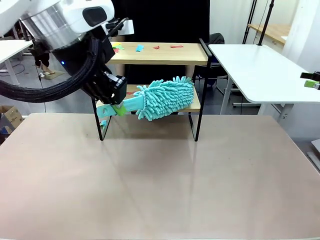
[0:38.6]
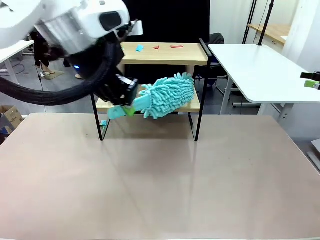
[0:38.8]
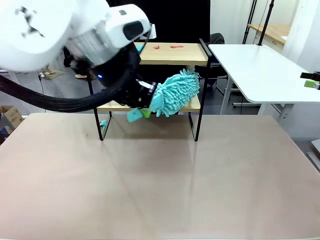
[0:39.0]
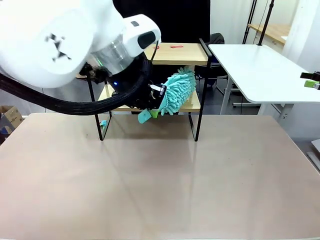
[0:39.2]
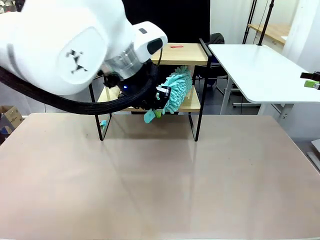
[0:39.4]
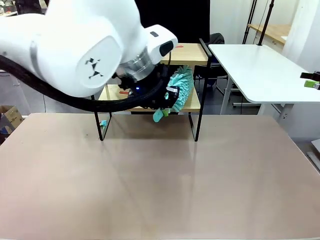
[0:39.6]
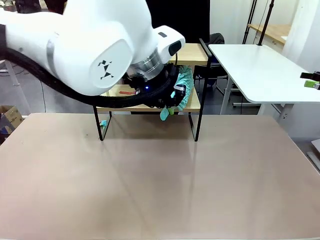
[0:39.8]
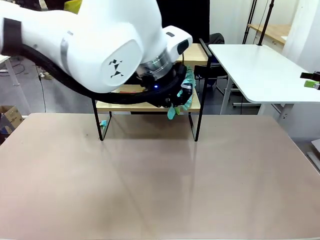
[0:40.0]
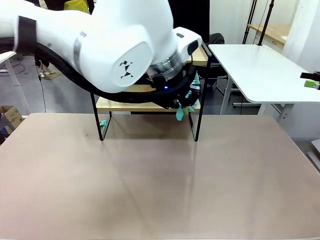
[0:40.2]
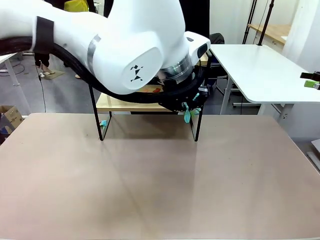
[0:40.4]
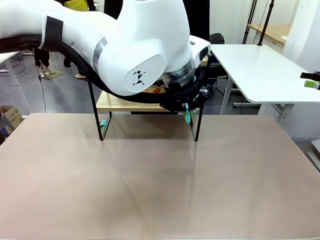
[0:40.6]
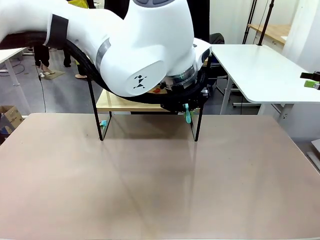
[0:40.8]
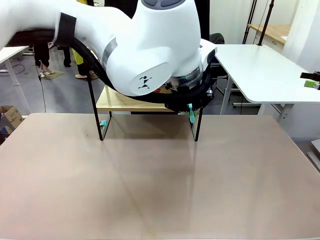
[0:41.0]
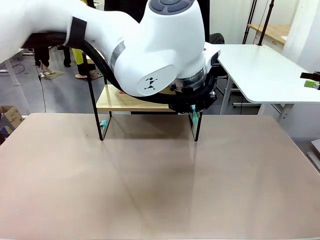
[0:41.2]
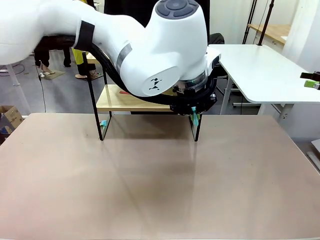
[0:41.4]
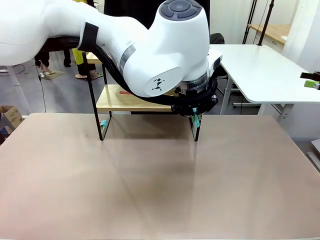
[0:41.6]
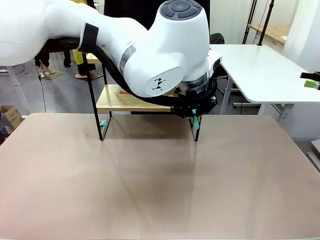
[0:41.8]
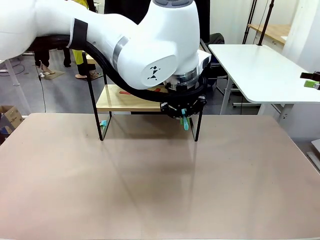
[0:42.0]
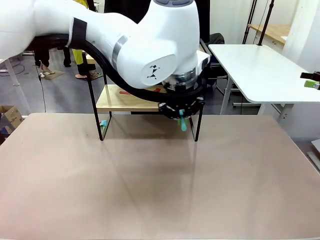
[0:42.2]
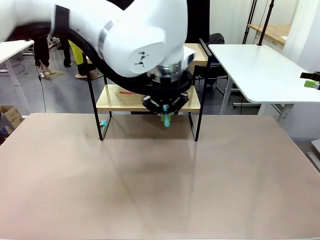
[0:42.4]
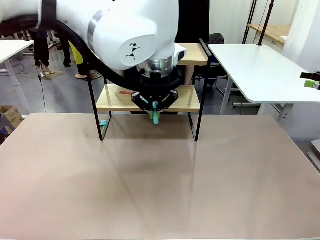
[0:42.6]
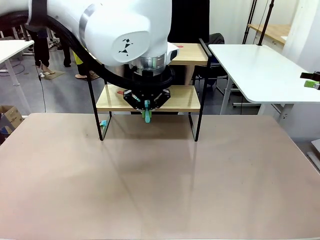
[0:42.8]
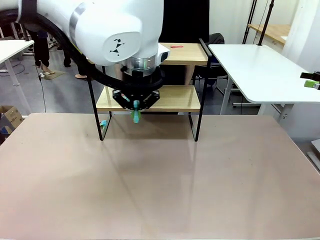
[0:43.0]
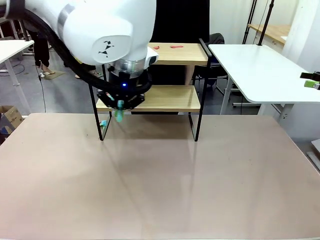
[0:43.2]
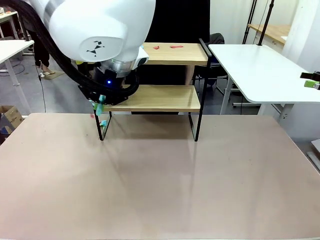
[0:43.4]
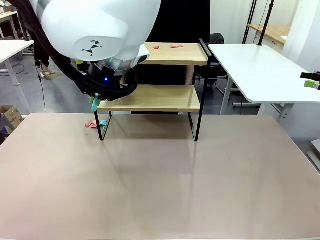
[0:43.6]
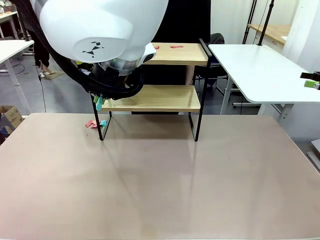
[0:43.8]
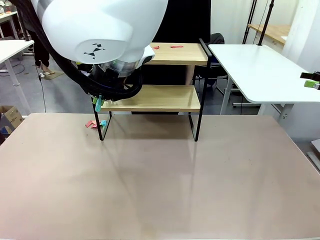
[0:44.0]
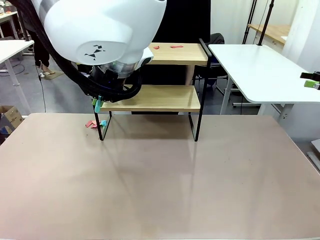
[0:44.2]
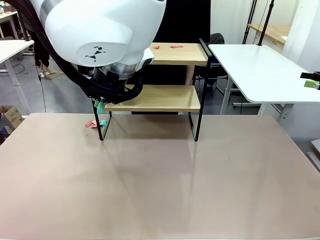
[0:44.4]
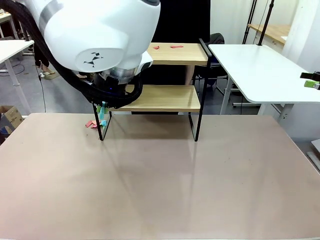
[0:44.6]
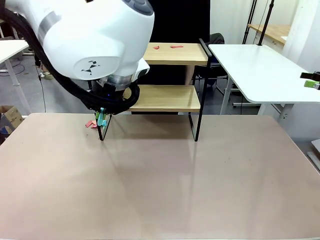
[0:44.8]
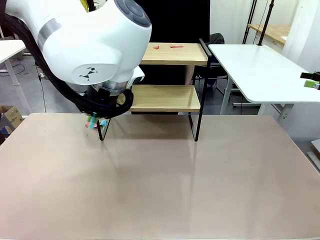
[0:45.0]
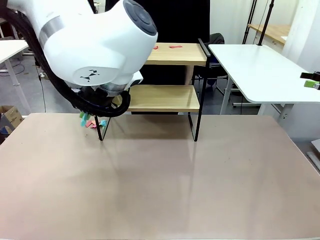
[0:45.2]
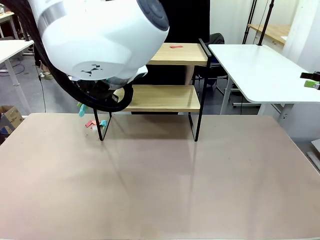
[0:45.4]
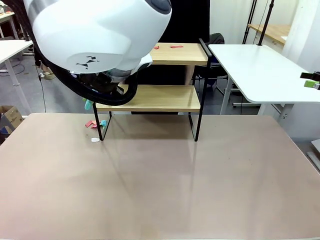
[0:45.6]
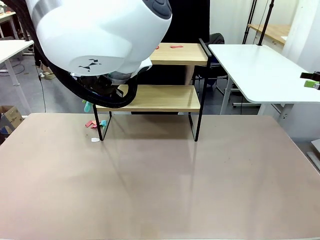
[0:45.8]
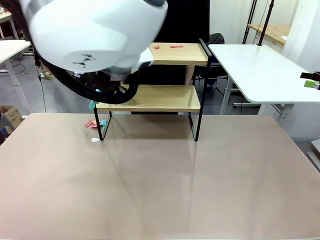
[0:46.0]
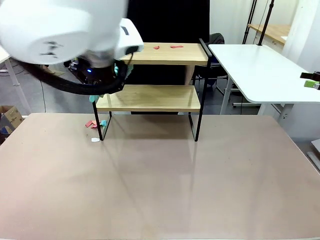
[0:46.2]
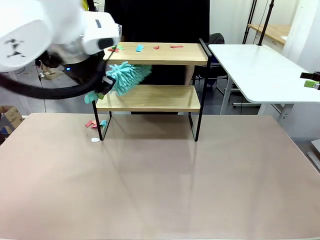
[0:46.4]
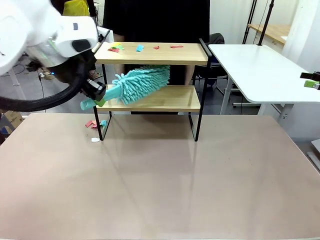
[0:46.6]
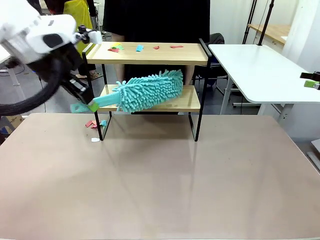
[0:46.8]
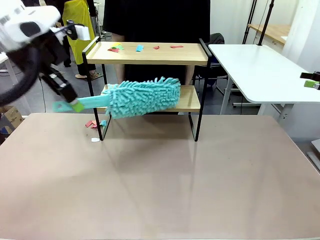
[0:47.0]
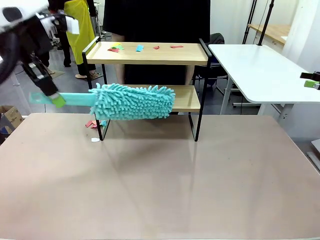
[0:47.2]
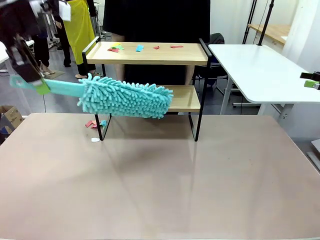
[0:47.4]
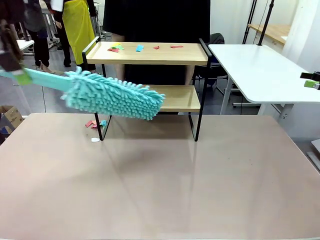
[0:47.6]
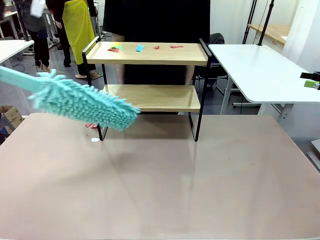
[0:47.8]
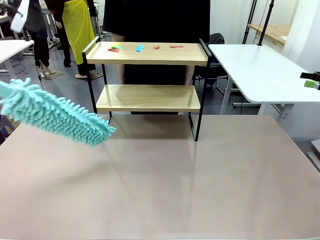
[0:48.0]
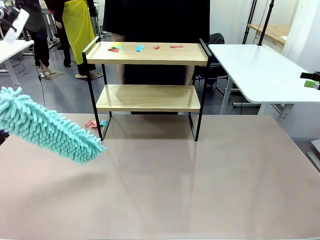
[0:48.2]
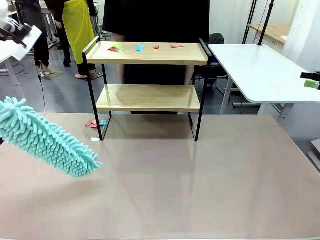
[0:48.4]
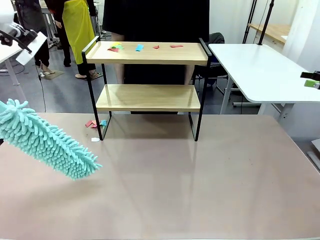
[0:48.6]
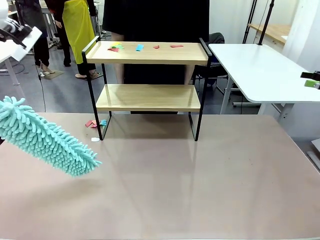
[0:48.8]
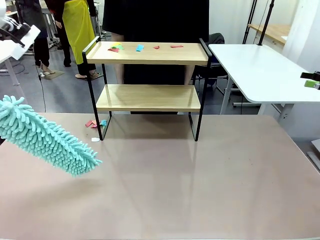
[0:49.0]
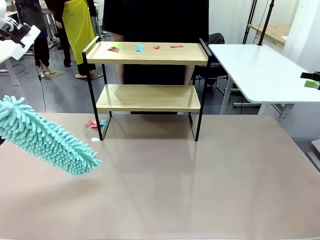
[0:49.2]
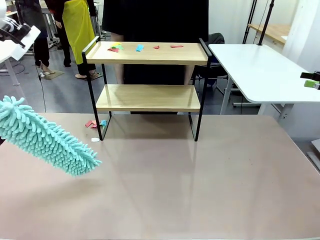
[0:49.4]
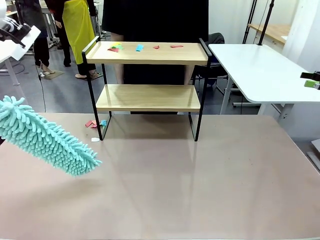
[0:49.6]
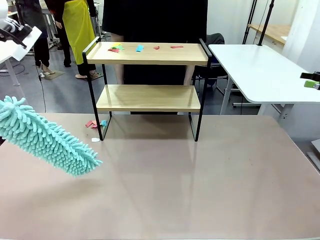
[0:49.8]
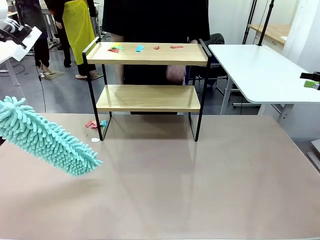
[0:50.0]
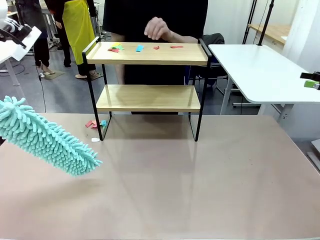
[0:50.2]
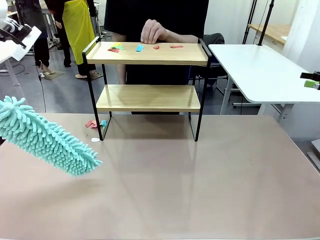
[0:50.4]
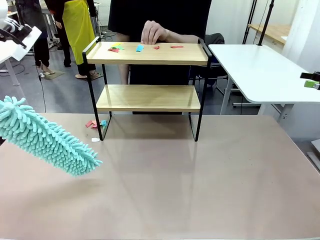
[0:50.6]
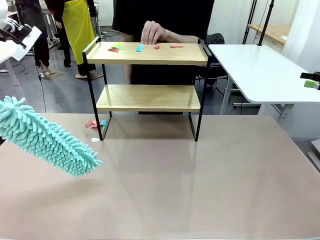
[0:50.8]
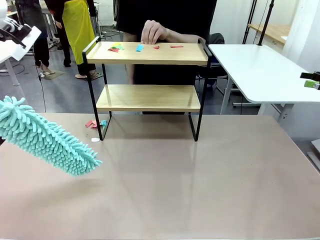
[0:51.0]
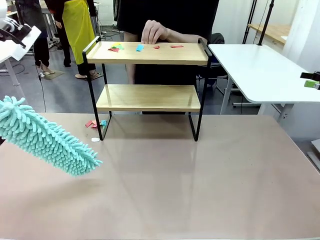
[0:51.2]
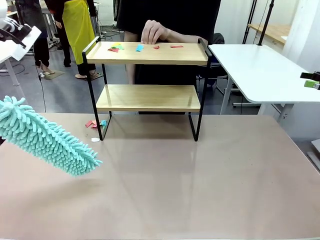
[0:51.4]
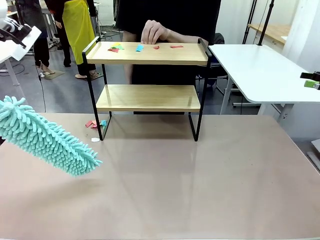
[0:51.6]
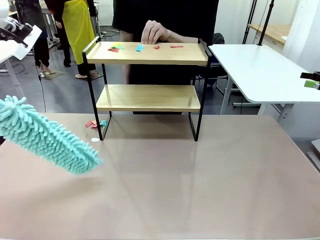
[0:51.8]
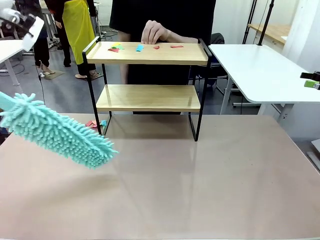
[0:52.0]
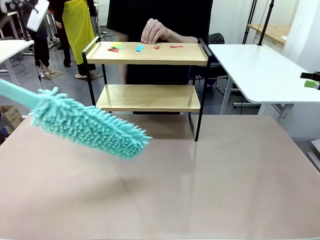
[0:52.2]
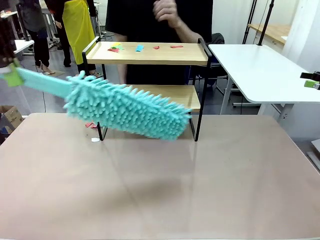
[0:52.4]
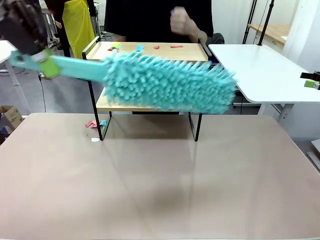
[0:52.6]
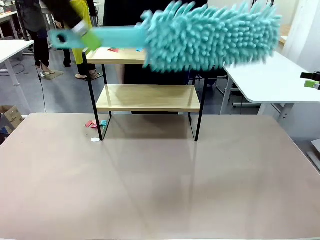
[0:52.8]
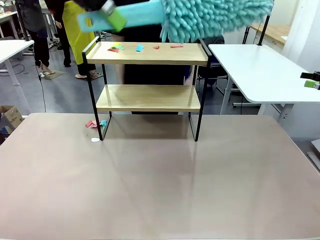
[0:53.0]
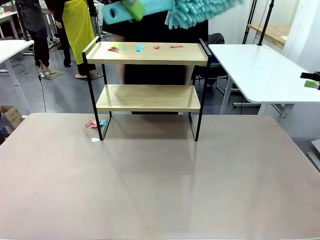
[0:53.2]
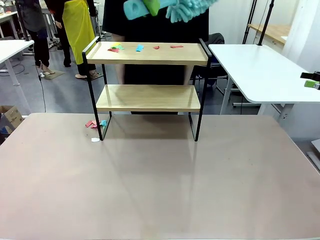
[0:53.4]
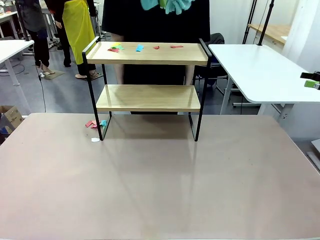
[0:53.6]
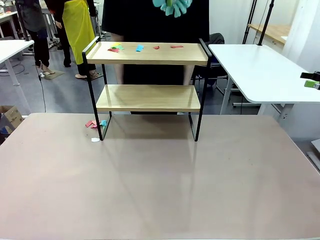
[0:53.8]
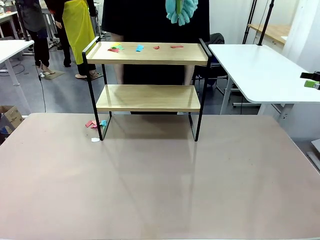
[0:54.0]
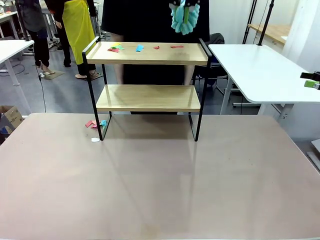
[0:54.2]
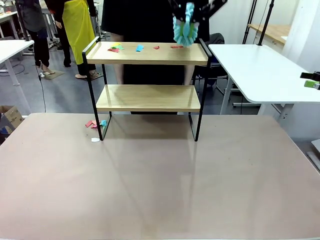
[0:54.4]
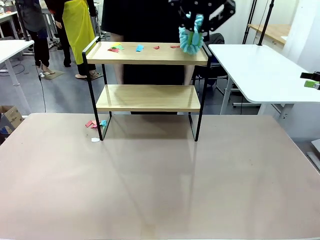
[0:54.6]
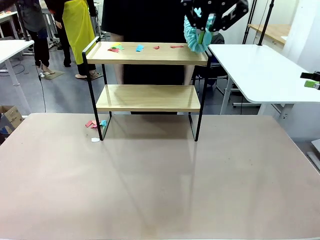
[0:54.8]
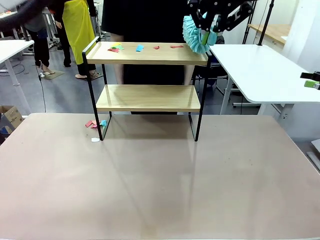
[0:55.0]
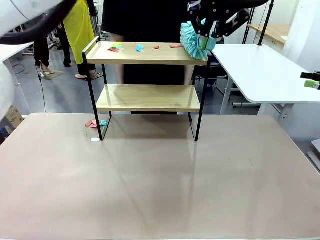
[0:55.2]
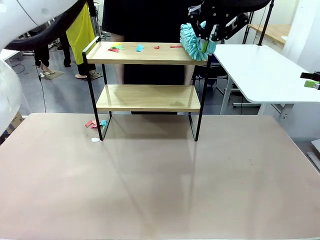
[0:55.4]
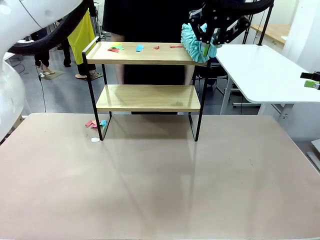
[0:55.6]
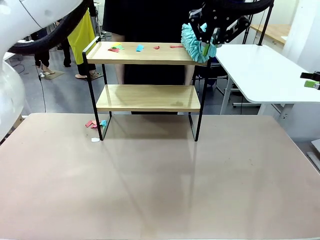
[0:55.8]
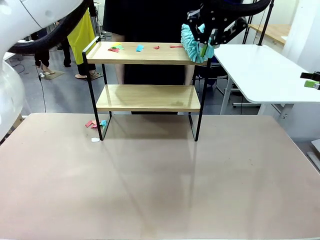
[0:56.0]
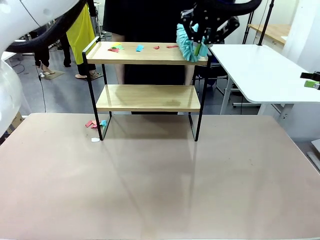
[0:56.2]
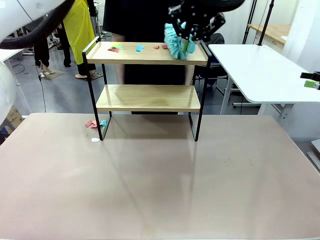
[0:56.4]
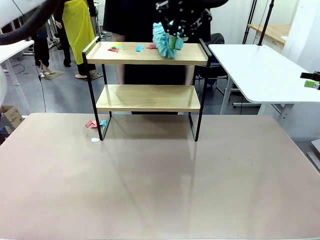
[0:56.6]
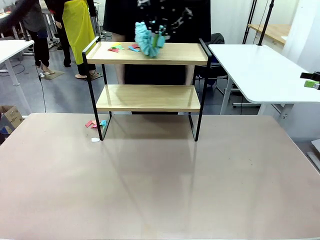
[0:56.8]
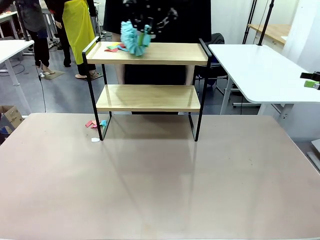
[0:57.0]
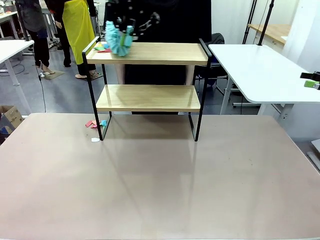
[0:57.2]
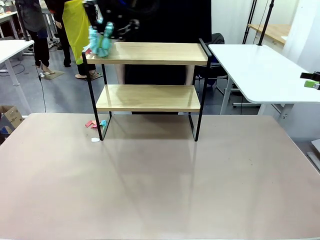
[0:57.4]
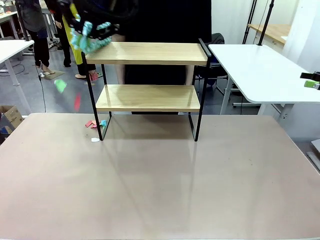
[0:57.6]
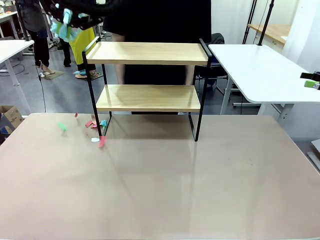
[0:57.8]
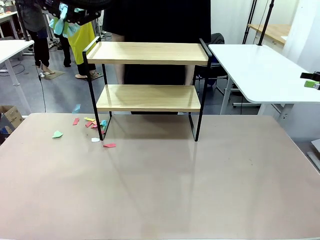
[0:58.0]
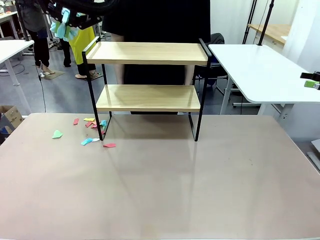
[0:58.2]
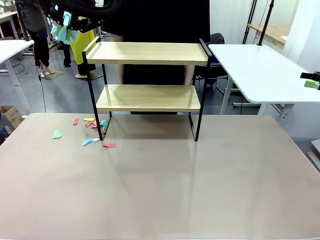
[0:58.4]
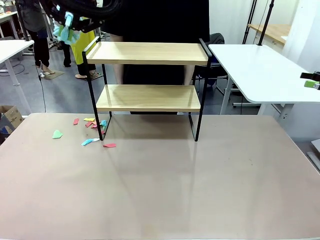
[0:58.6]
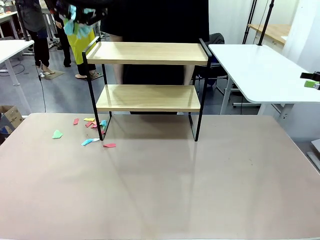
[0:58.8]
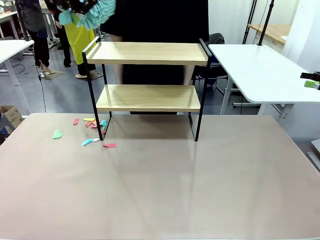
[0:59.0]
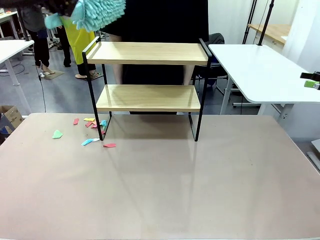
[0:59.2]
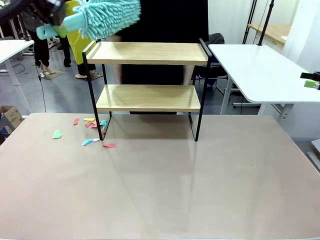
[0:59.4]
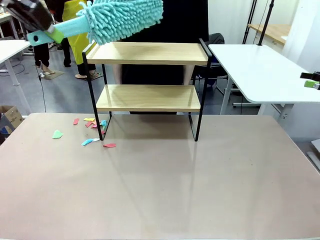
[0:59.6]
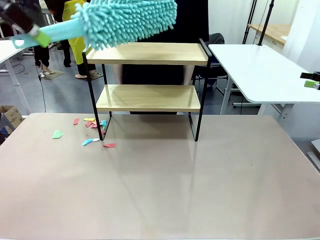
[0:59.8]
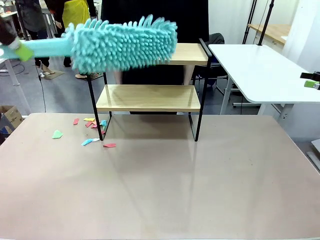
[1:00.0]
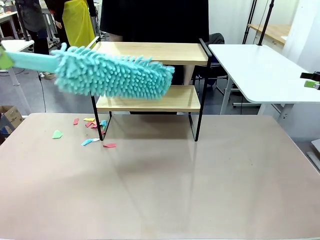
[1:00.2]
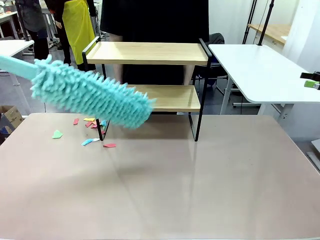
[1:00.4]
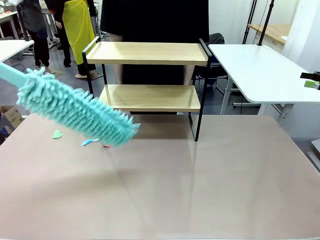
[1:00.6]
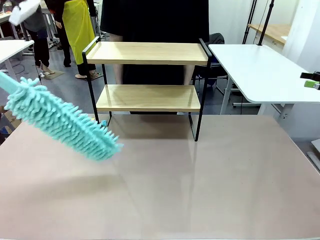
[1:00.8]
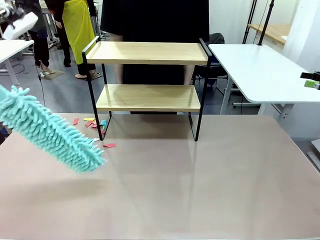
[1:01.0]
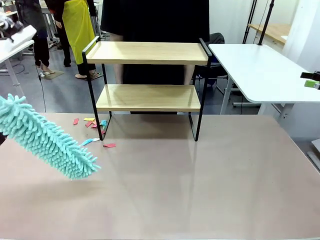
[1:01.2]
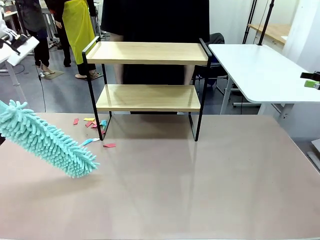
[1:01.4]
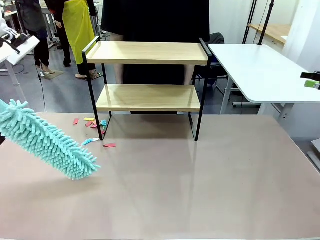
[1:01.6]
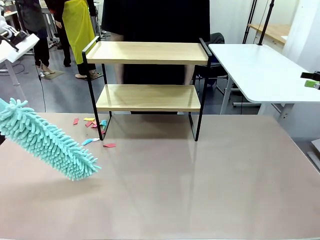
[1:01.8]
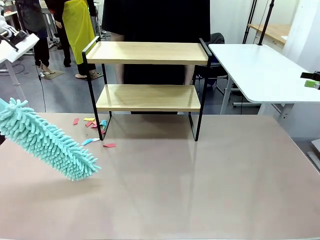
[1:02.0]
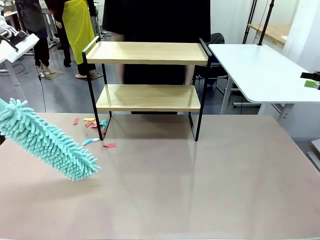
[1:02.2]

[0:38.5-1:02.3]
Task: Clean the shelf.
Robot: Clean the specific section of the Shelf indicated by the human with the Duster.
Person: Point a remaining section of the Shelf.
